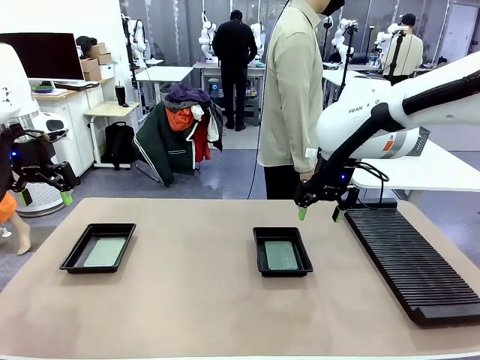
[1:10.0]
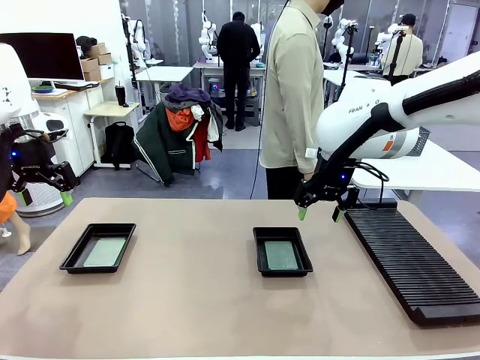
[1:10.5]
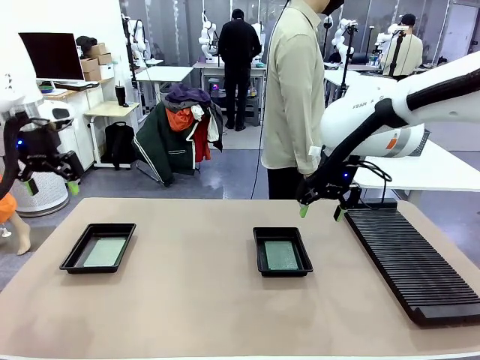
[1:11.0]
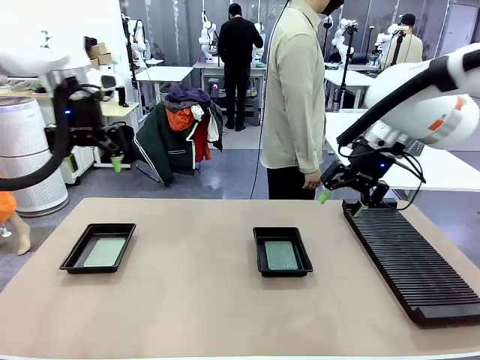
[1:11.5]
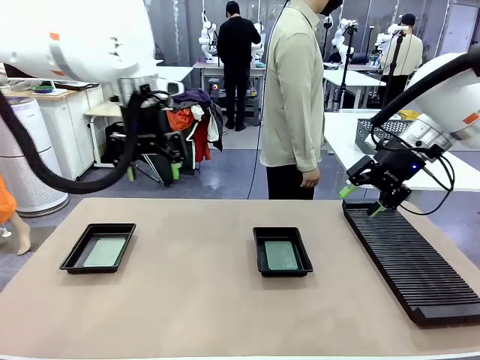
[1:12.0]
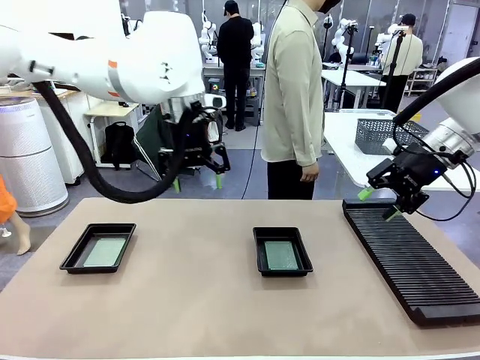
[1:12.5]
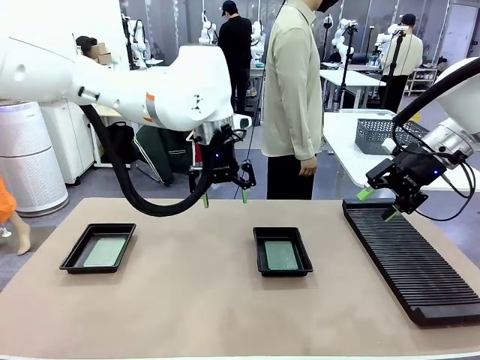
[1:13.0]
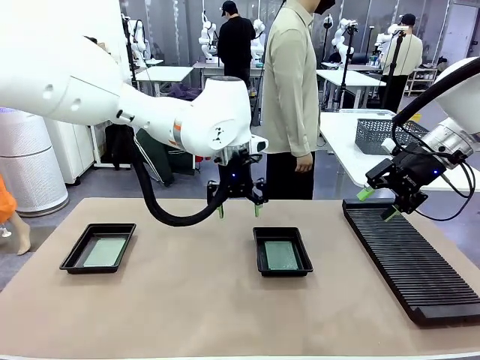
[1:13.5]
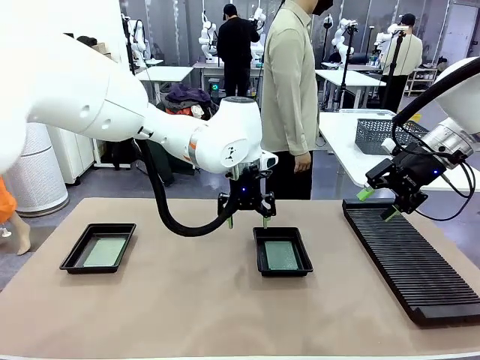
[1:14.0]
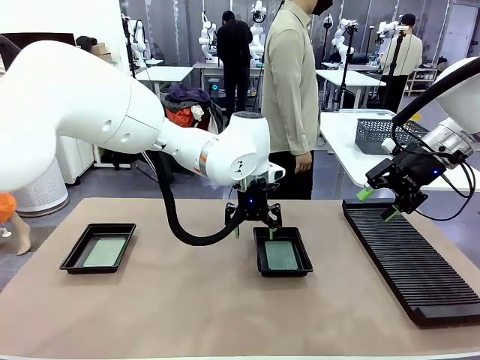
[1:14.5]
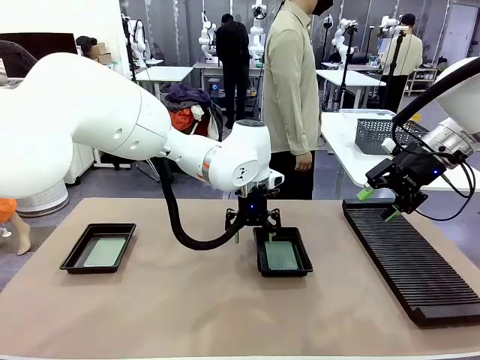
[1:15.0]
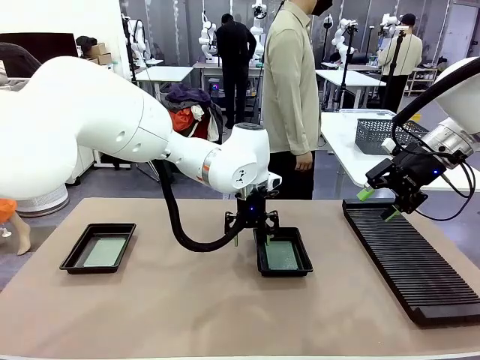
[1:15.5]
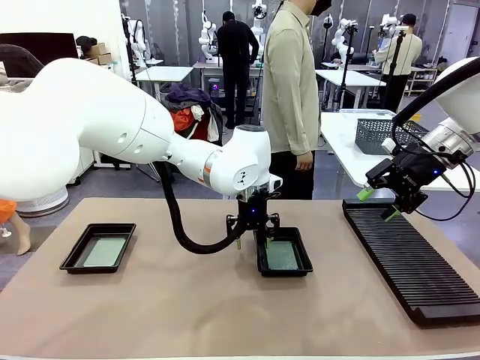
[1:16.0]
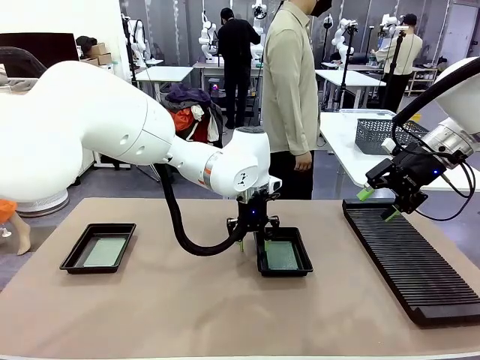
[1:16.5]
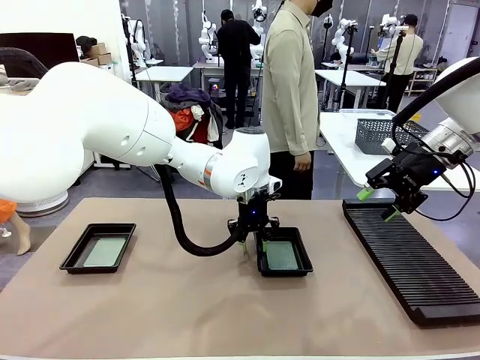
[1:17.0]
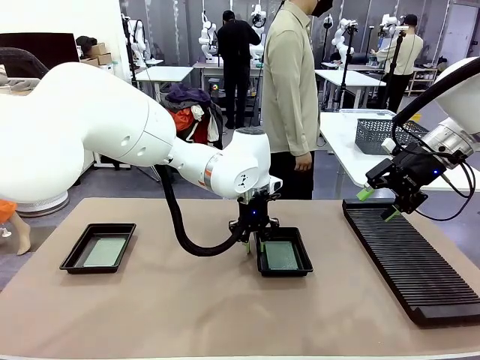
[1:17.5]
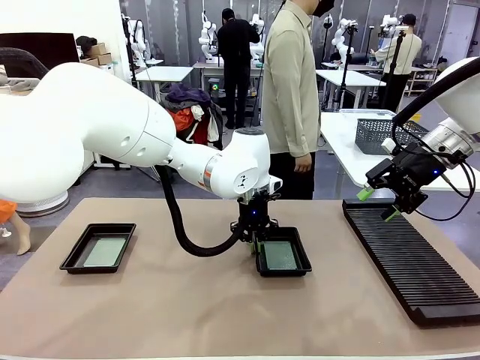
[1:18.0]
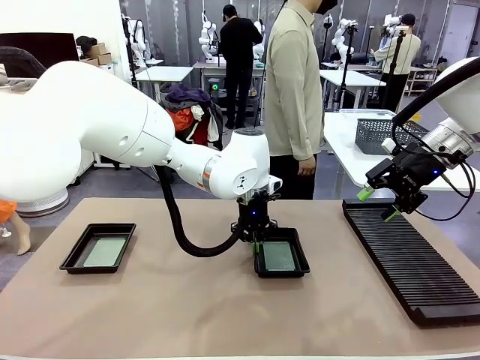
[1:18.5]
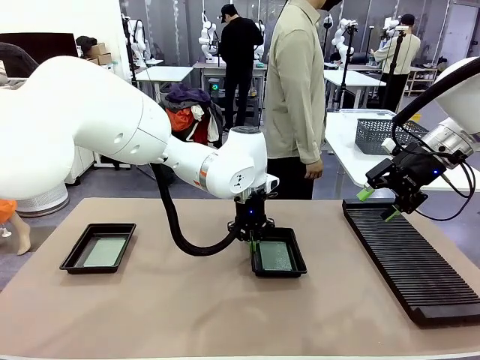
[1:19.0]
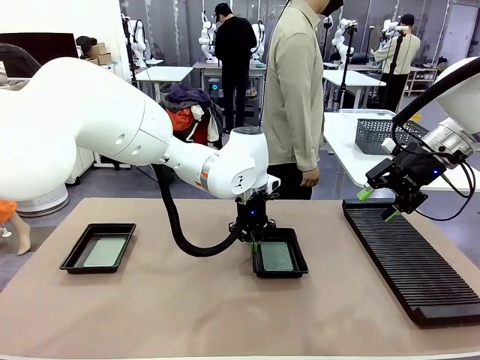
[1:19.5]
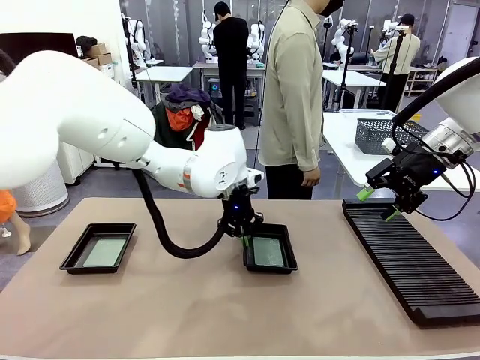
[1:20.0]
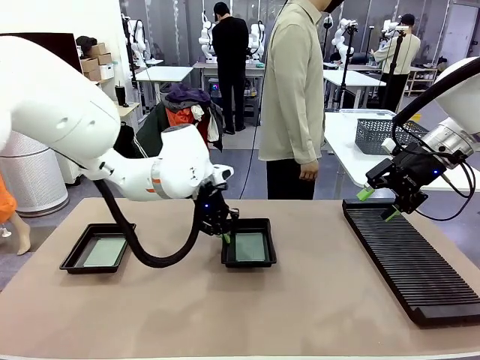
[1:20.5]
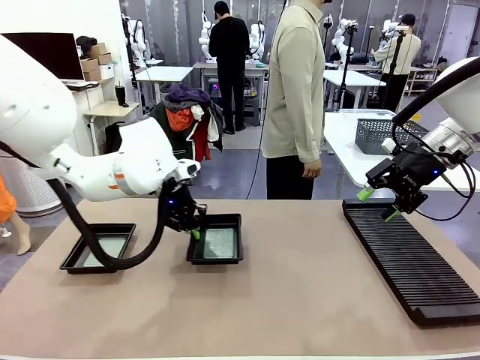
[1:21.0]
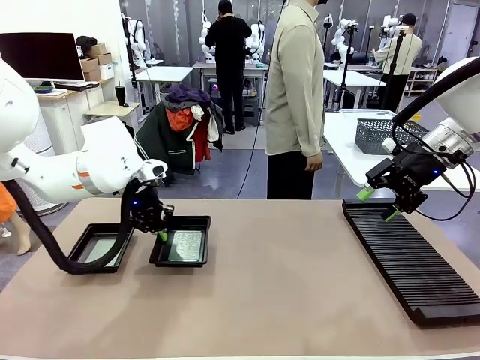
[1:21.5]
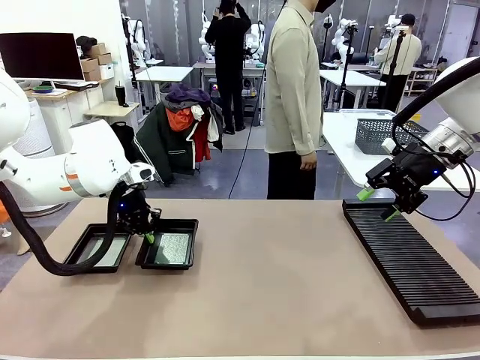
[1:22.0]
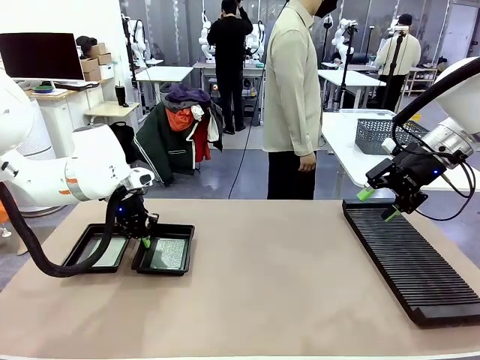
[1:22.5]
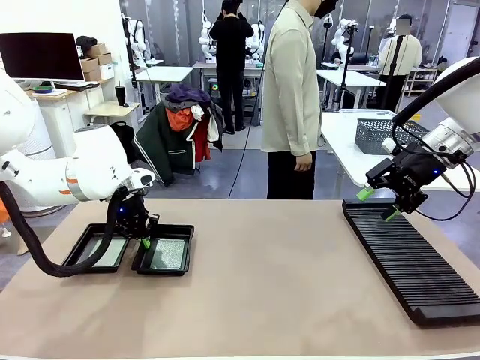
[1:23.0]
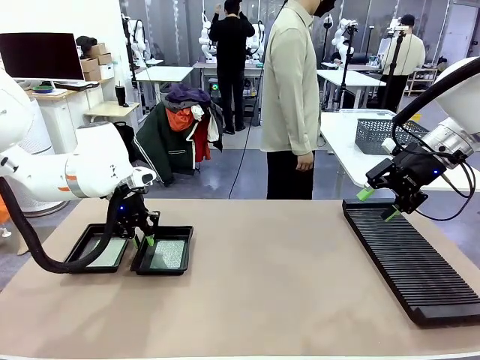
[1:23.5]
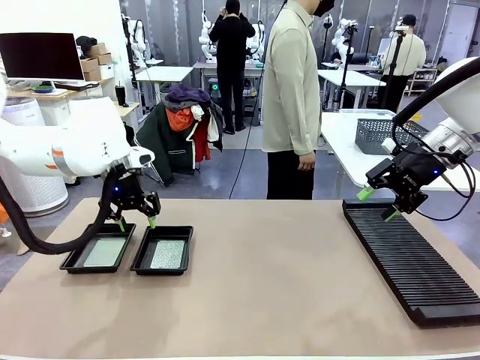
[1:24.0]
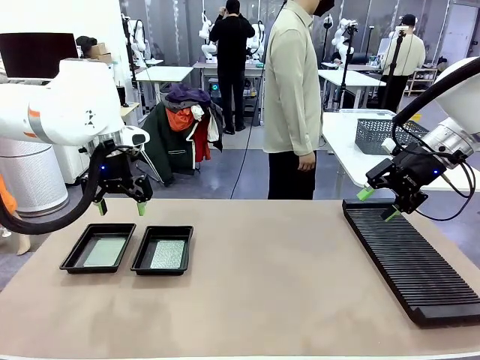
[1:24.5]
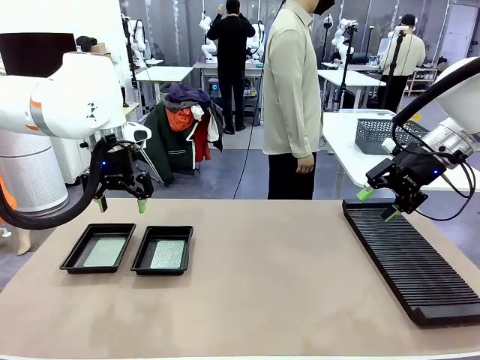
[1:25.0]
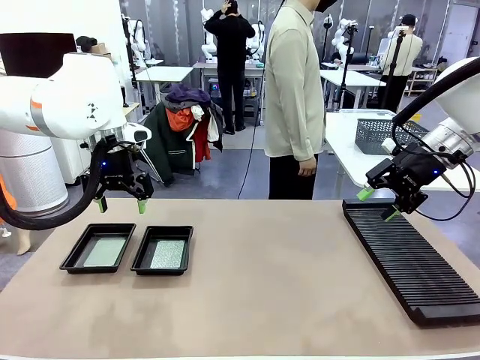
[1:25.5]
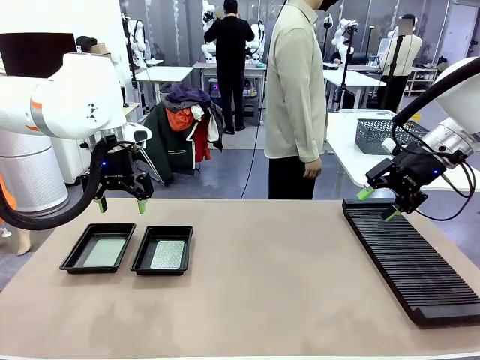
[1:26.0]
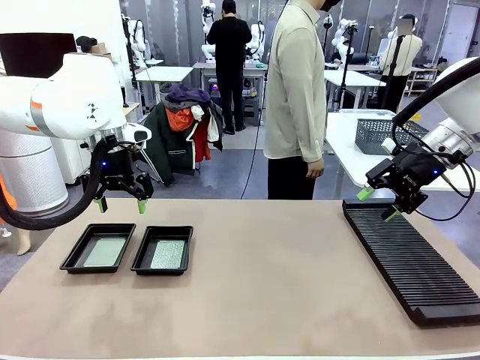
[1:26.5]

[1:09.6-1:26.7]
Task: Inspect and transfer BCBs to ESD trays.
Robot: Pick up the ESD tray and place it on the left side of the table.

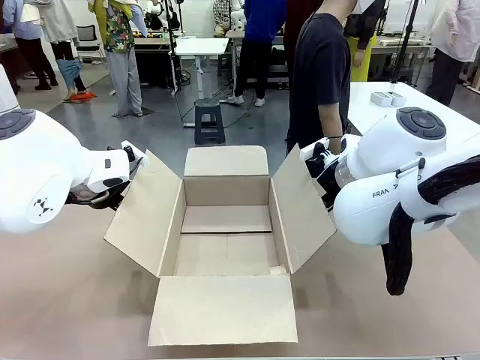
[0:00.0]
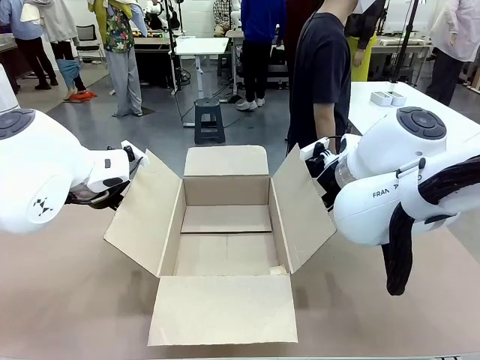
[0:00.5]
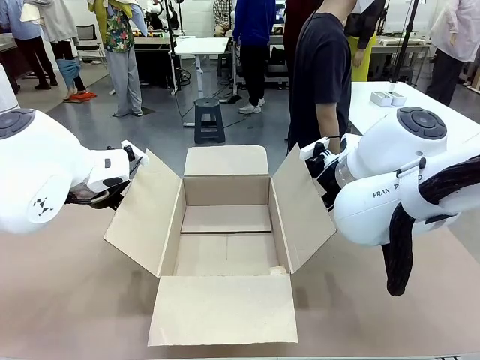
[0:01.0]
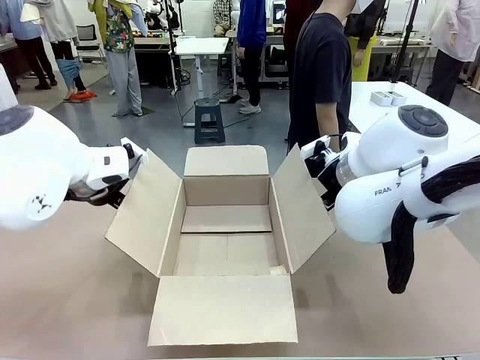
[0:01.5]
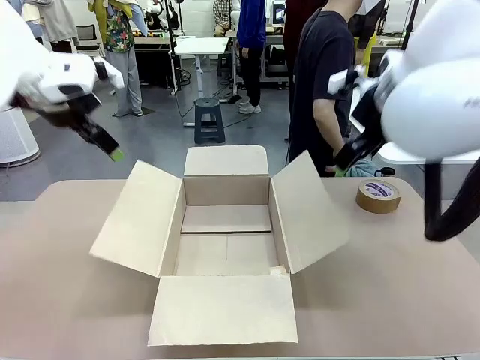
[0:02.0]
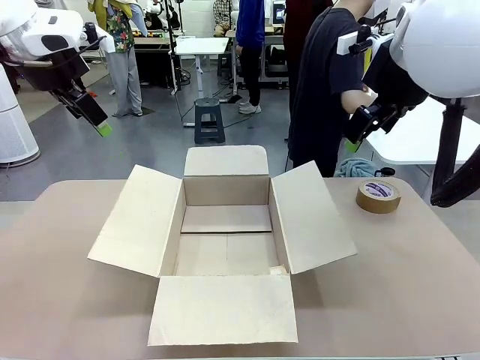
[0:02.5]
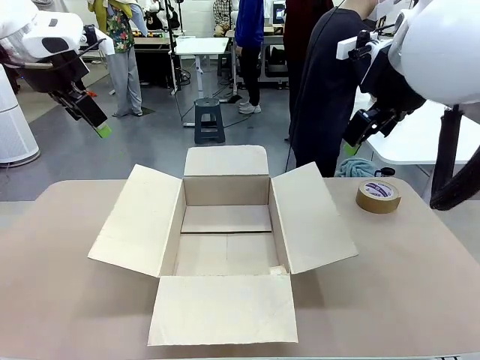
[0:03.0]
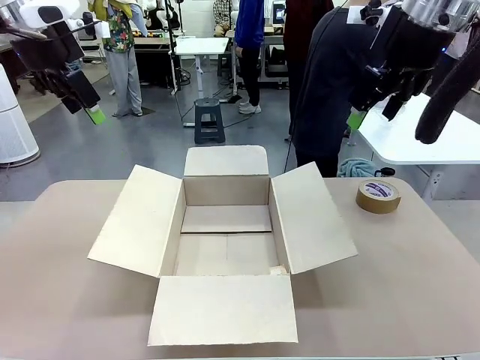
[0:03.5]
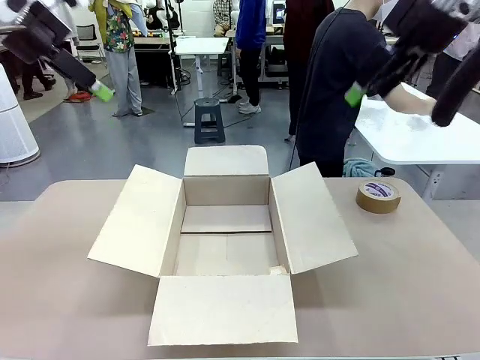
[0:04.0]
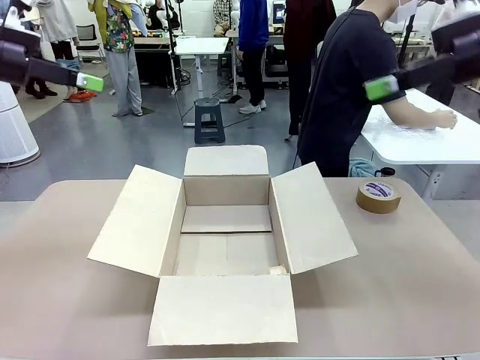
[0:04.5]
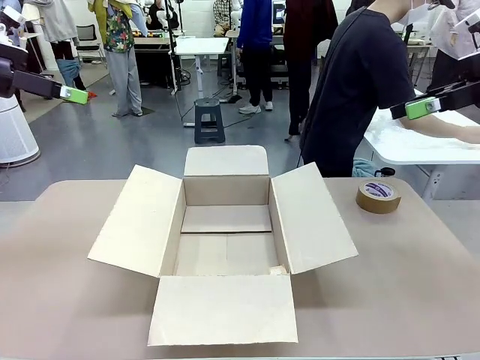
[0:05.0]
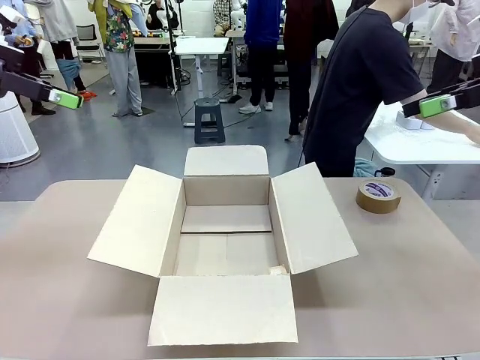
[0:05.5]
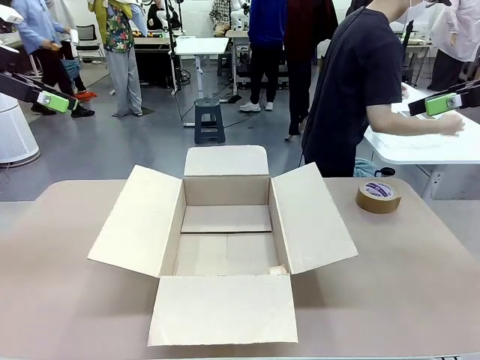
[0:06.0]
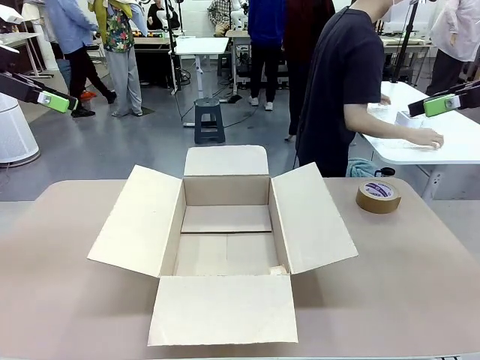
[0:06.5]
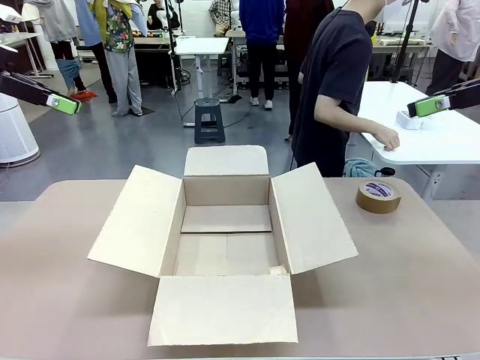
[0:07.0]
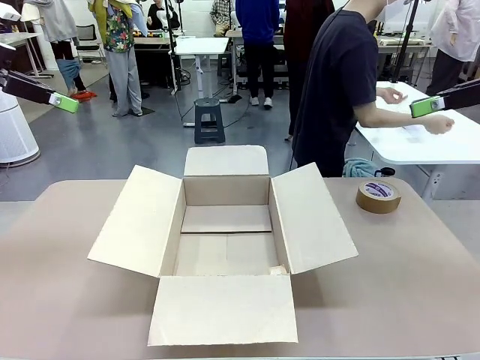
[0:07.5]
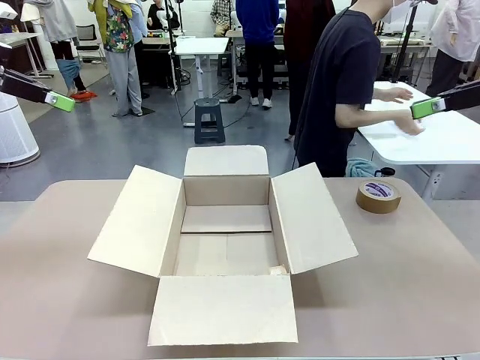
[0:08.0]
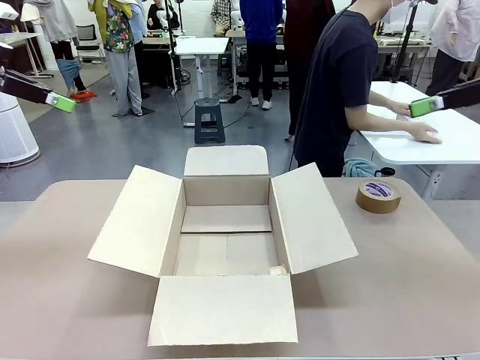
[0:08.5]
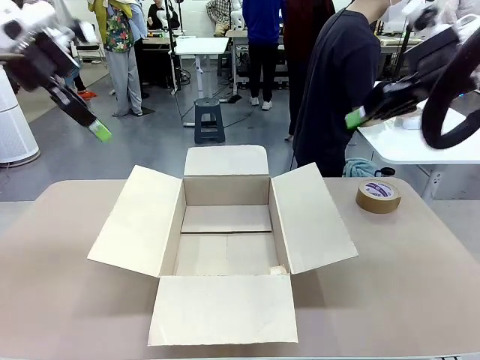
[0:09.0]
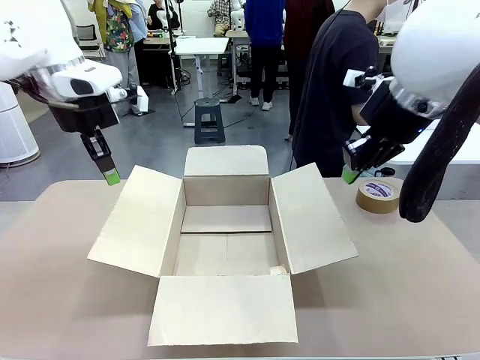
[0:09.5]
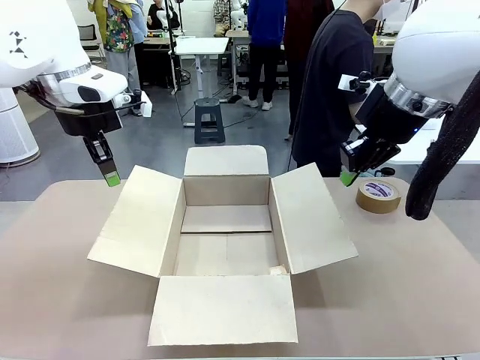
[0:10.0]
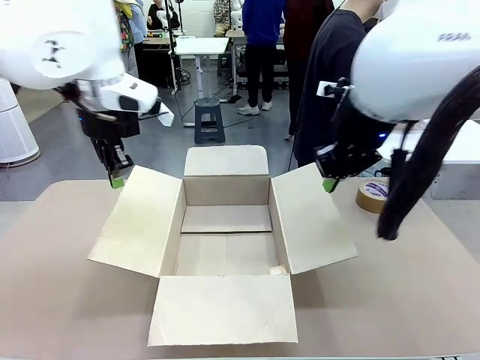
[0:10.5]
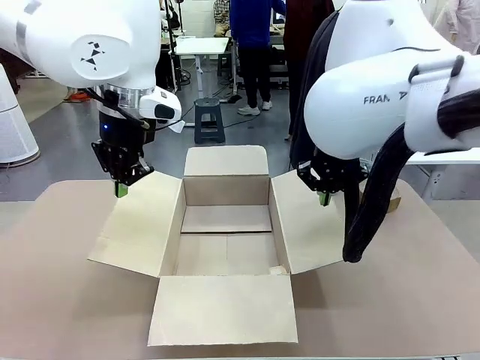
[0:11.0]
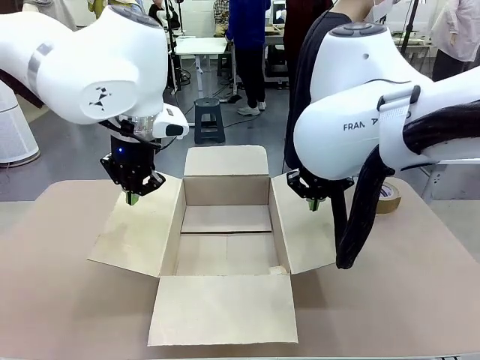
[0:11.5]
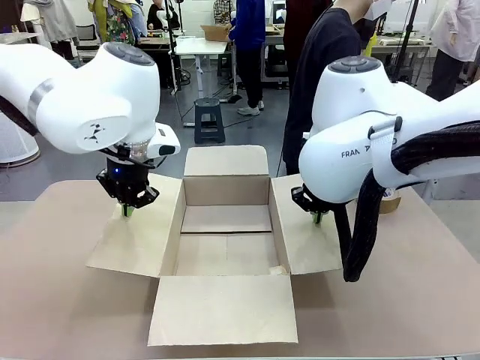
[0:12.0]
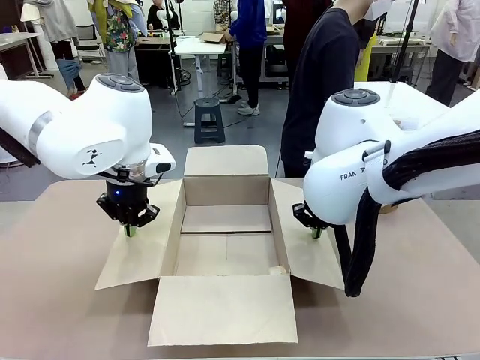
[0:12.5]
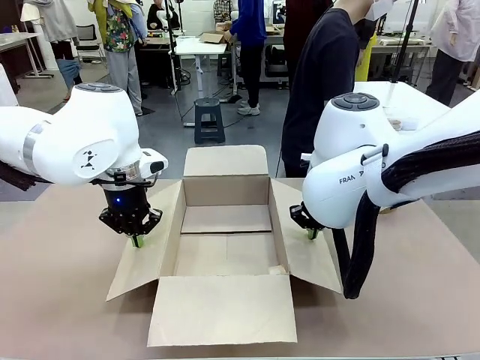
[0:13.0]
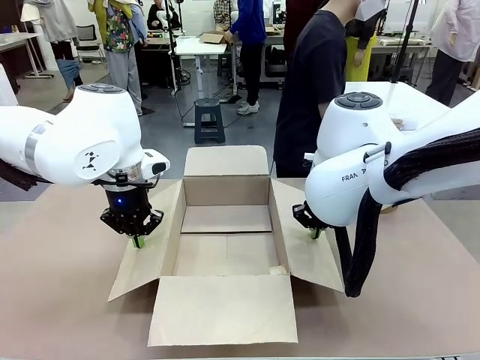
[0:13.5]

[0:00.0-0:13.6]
Task: Wrap the clocks to prevent damage.
Robot: Open the side flaps of the Package Box.
Person: Wrap the two Digital clocks with Bubble Wrap.
